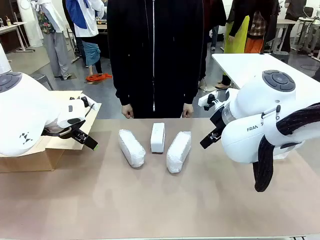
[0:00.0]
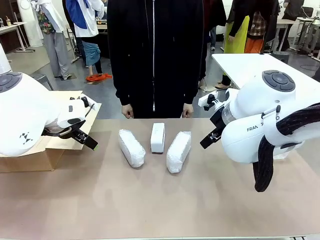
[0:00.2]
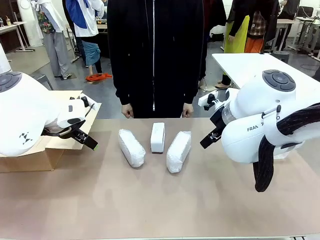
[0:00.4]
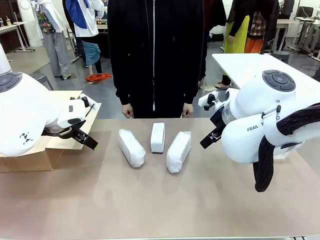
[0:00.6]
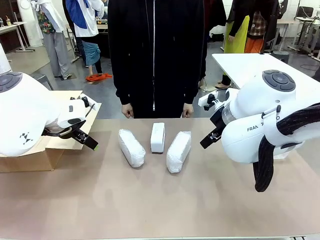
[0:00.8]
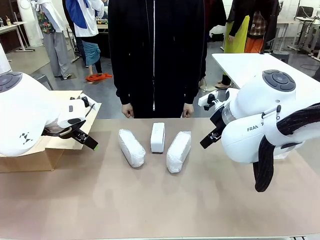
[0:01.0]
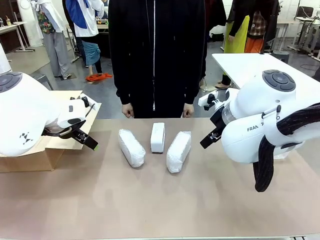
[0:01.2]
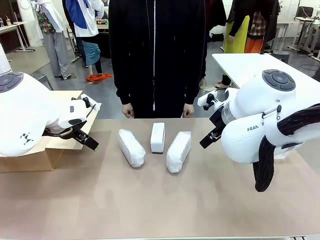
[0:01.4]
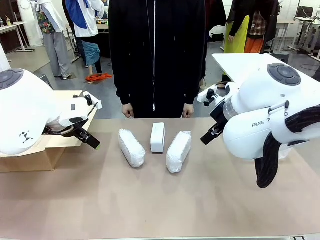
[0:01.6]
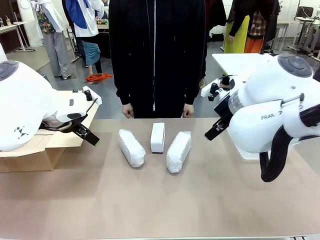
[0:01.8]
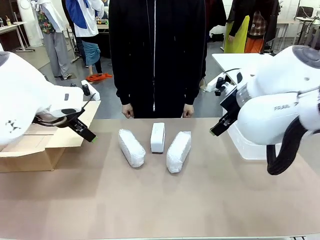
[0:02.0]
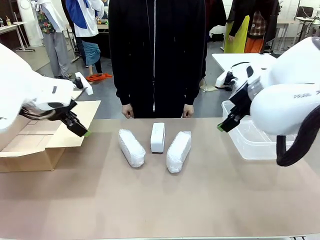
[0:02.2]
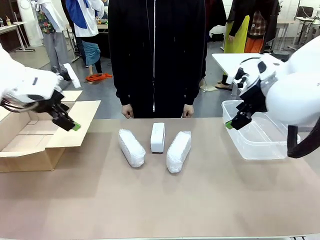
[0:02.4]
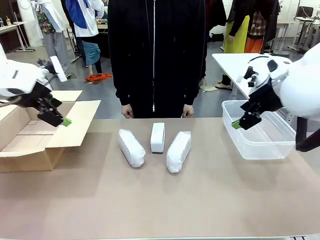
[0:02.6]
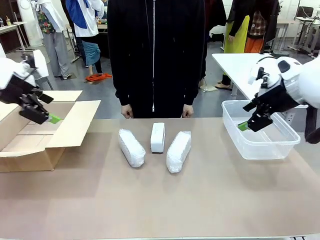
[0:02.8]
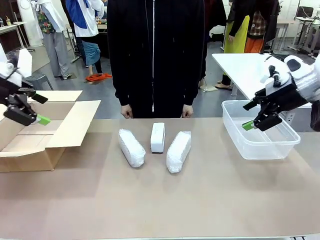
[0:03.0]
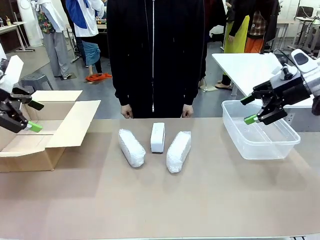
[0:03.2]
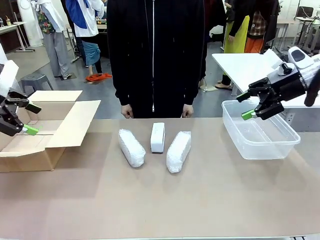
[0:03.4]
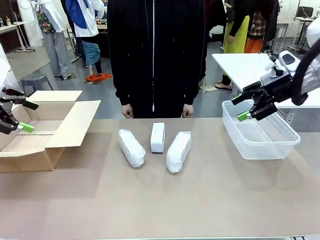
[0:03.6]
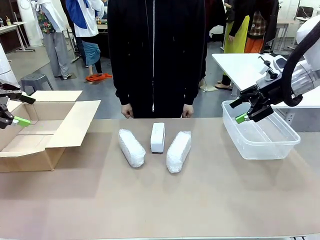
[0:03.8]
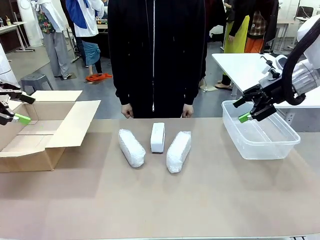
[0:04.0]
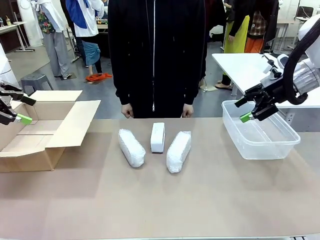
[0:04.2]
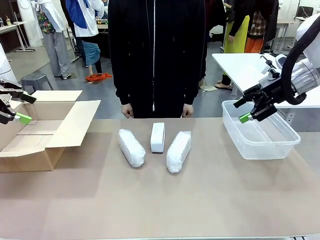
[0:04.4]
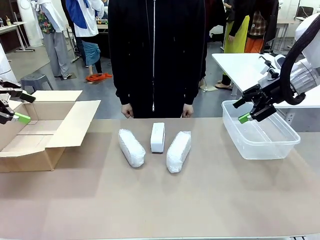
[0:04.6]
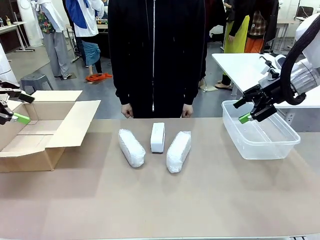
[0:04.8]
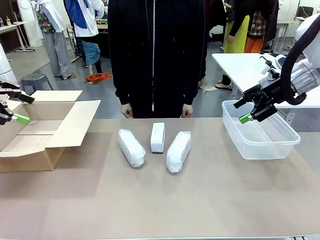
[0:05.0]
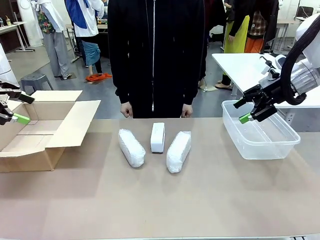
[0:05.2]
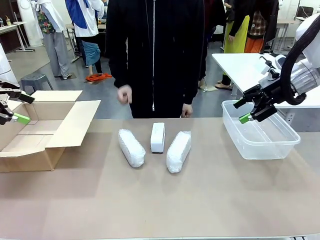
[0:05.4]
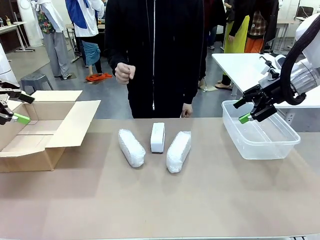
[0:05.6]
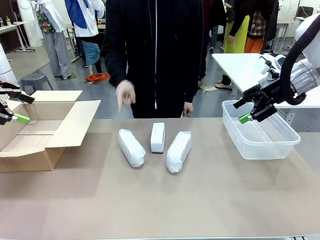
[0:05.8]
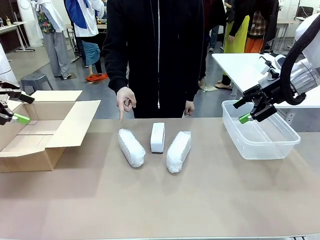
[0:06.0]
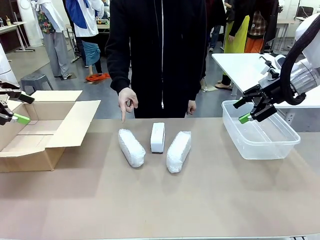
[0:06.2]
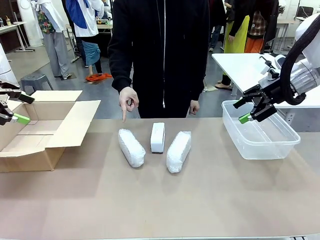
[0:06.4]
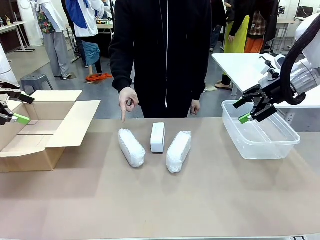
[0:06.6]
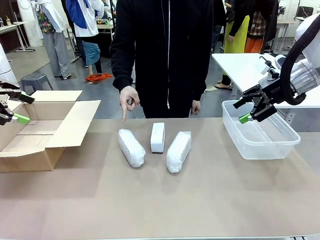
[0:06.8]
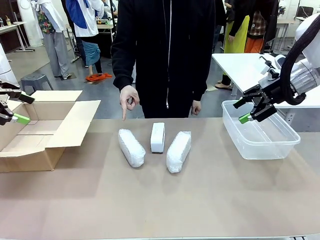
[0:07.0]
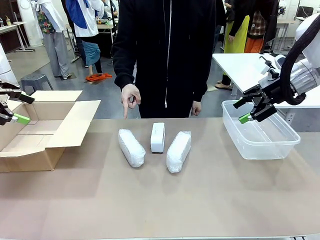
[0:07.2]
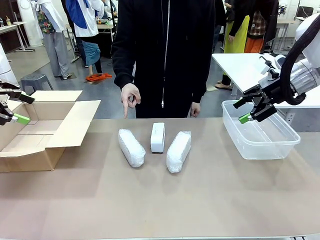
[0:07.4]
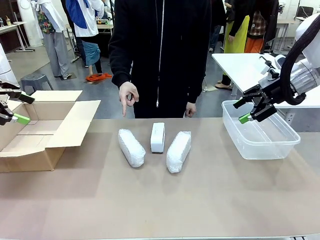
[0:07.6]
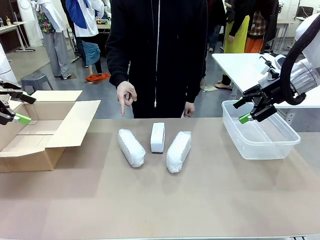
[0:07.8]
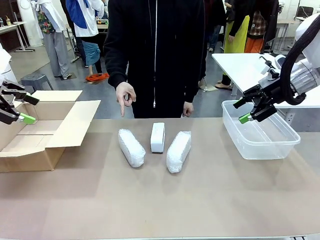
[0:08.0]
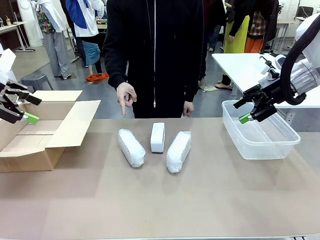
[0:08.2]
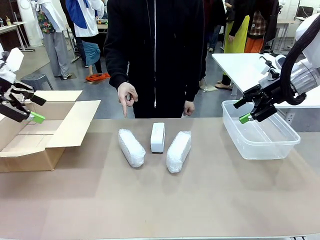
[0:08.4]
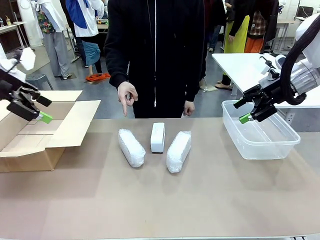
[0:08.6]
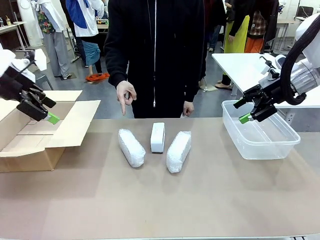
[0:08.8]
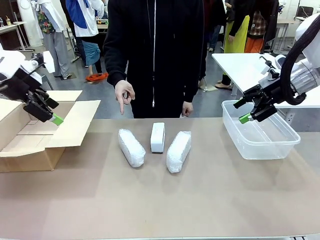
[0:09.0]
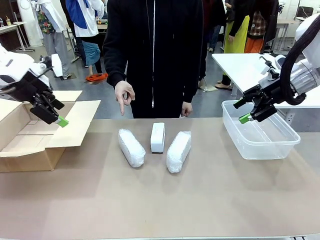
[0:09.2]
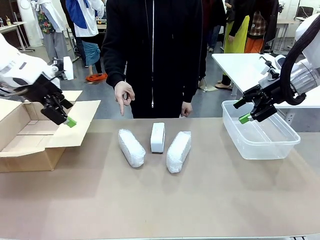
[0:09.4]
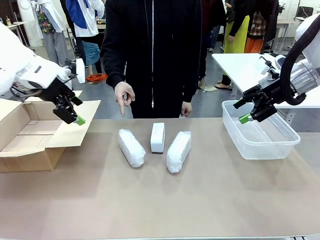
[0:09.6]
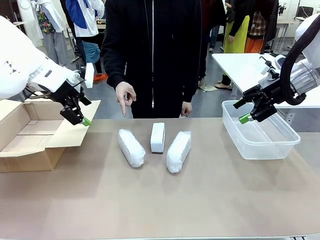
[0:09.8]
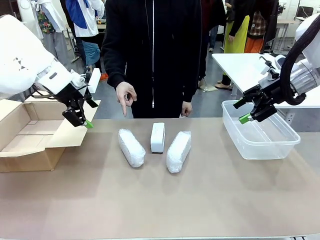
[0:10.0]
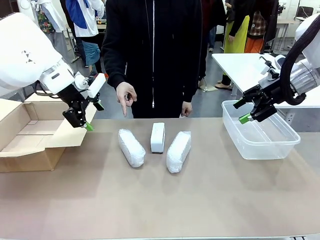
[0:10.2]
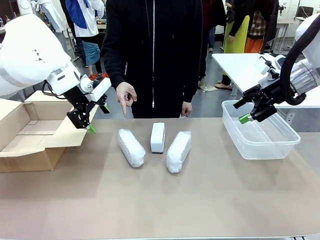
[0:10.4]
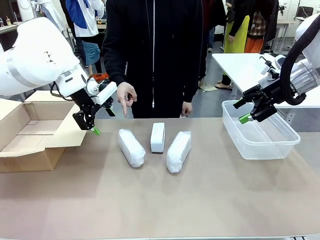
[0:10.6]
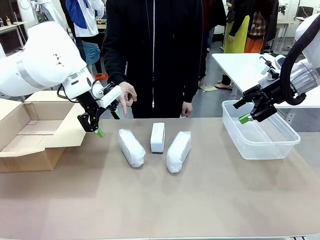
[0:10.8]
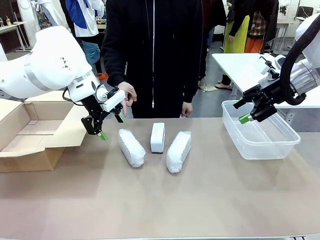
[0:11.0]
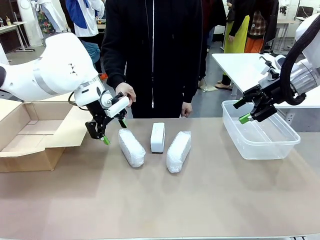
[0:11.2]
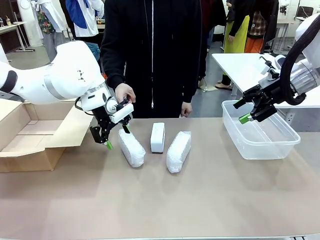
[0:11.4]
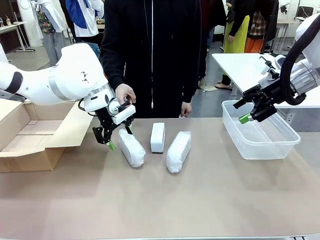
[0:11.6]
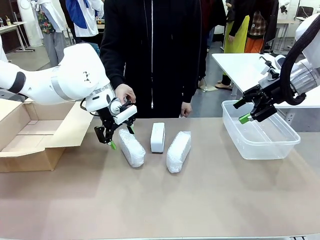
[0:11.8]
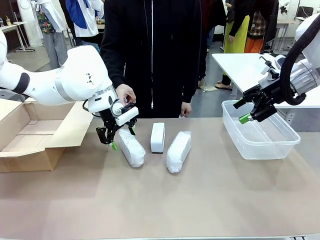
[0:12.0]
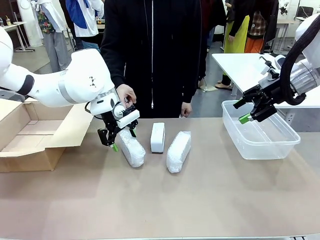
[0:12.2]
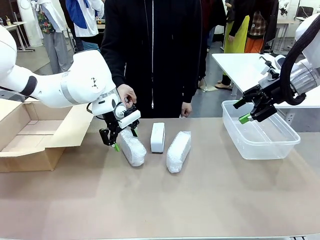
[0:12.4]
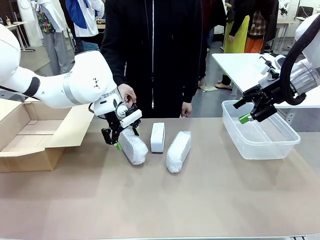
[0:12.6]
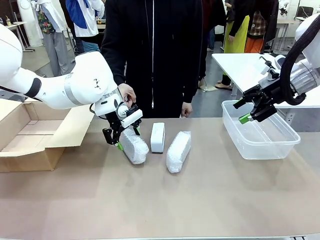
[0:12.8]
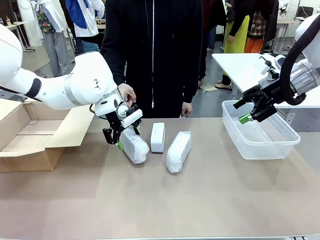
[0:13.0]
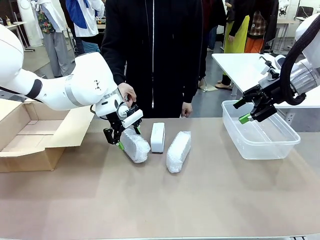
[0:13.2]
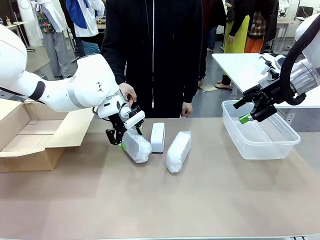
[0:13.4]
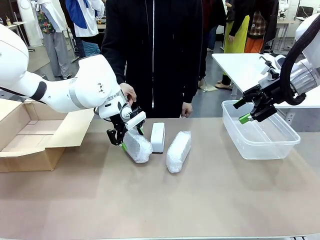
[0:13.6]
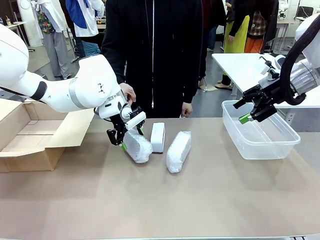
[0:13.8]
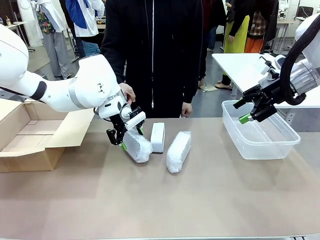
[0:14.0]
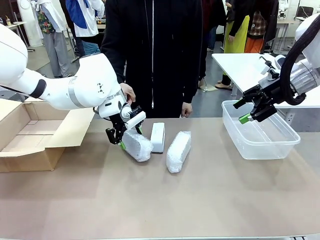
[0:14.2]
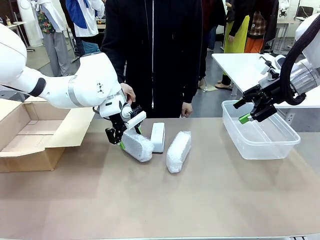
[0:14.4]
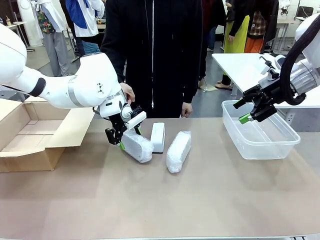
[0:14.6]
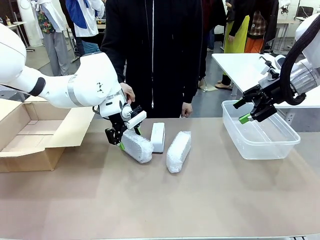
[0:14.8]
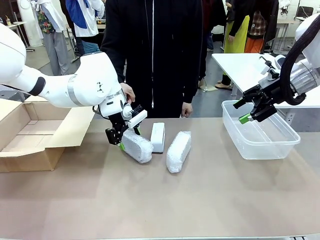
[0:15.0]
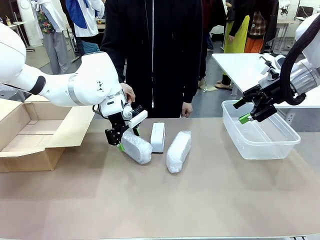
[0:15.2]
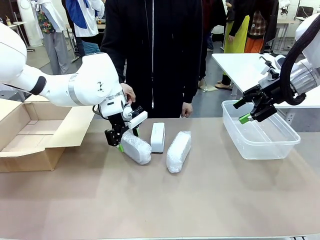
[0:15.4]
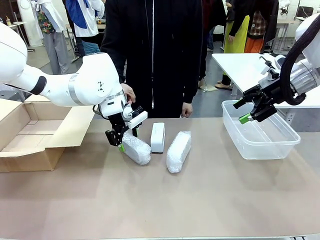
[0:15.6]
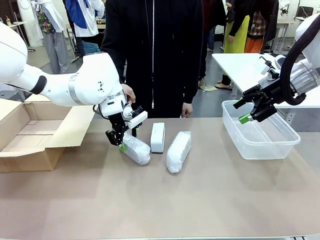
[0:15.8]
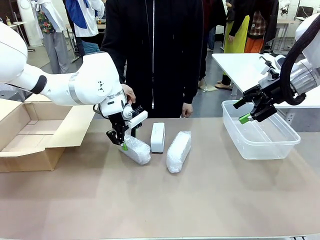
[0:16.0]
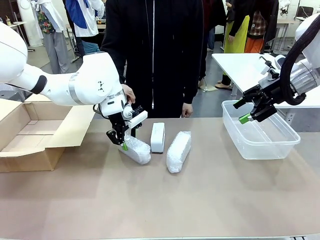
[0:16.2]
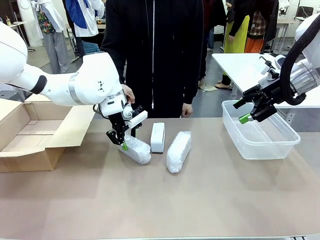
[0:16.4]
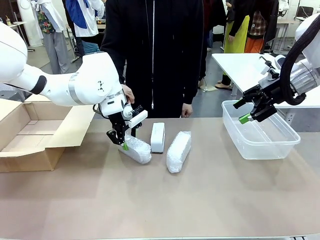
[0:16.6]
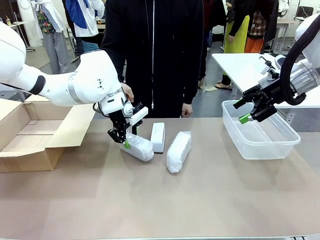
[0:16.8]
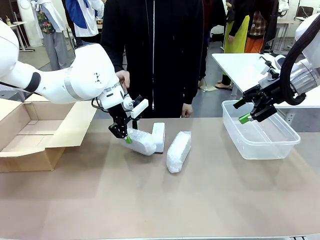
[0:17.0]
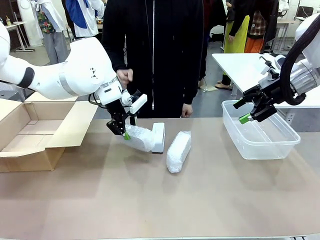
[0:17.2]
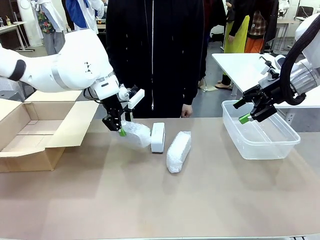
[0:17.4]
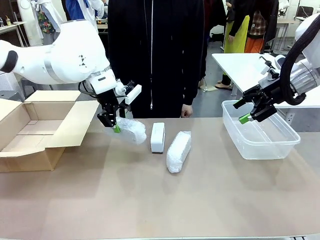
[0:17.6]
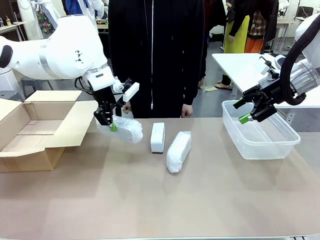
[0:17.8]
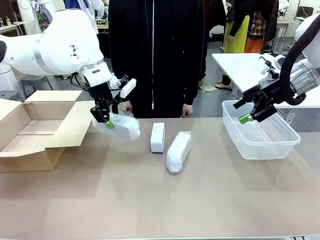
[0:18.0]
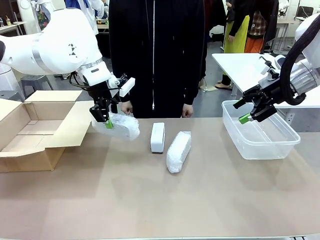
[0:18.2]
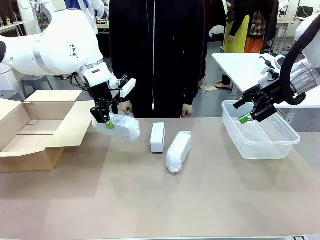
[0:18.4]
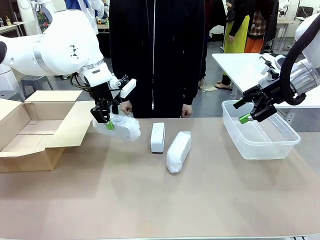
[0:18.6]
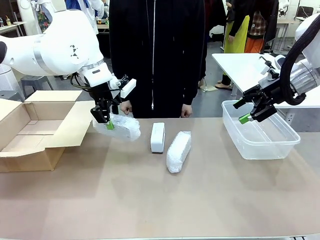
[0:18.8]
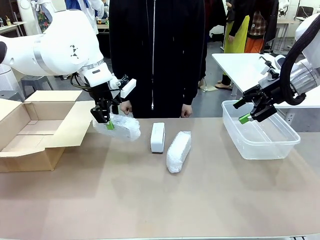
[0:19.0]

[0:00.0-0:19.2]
Task: Separate and place wrapped and unwrapped clocks.
Robot: Pick up the Digital clock indicated by the person.
